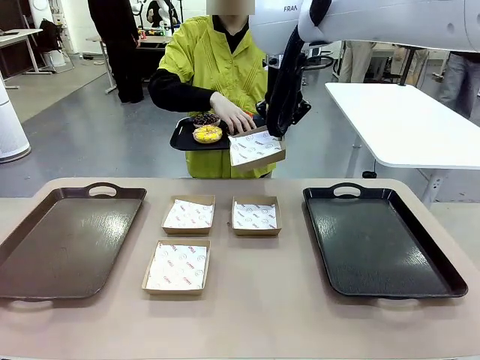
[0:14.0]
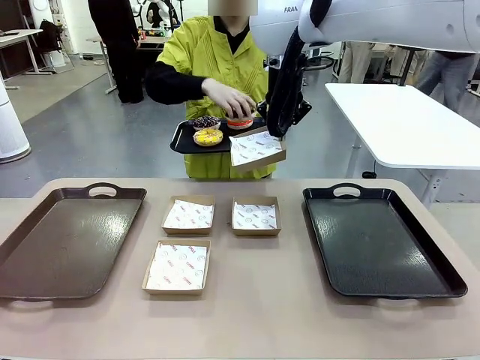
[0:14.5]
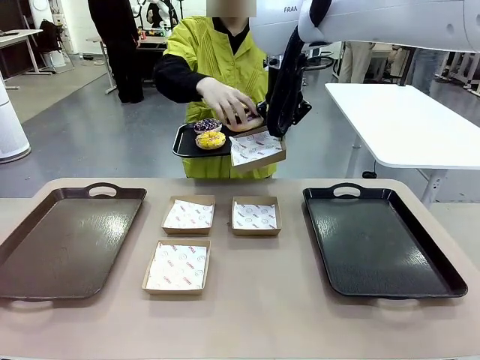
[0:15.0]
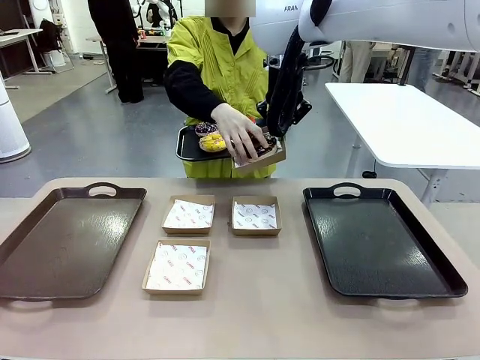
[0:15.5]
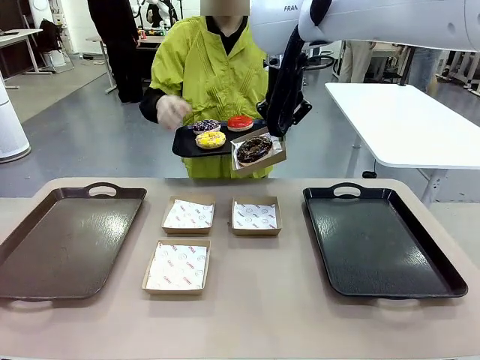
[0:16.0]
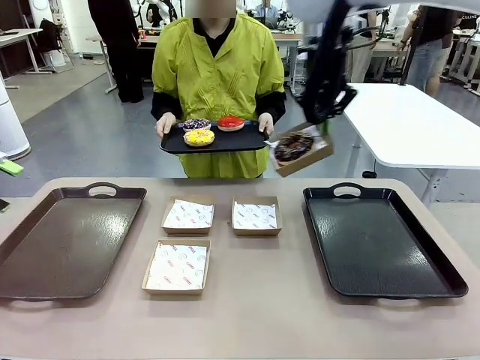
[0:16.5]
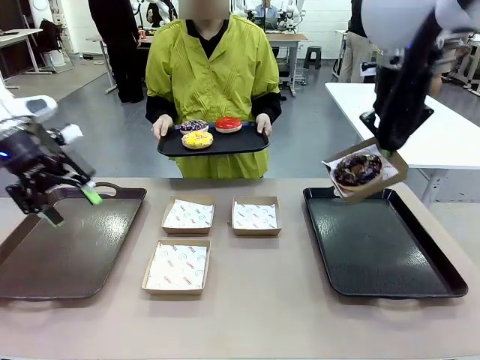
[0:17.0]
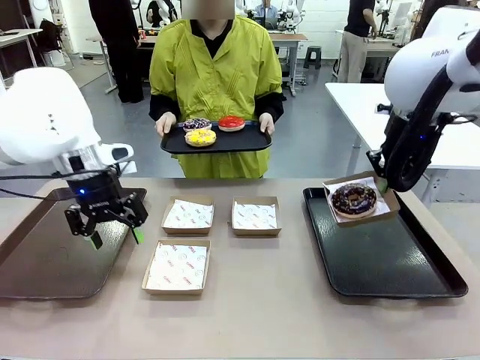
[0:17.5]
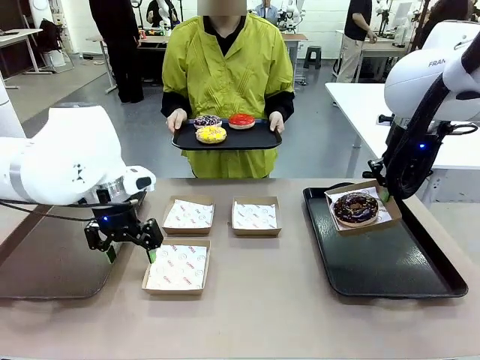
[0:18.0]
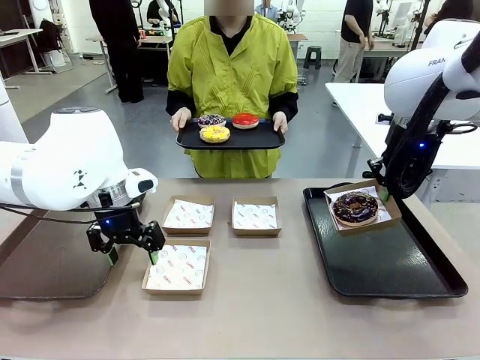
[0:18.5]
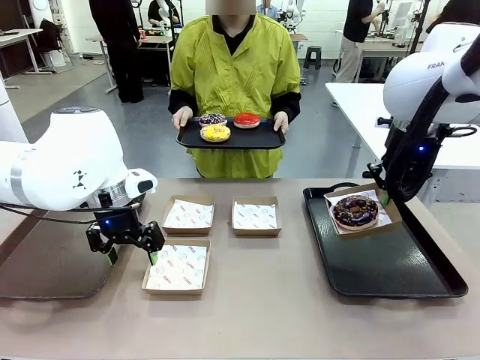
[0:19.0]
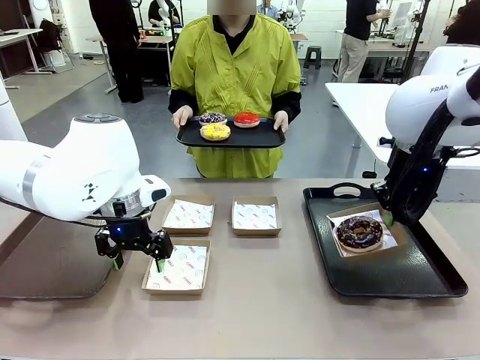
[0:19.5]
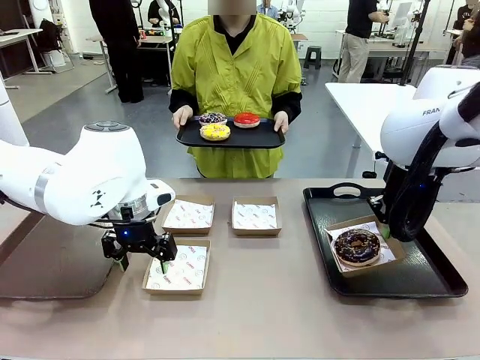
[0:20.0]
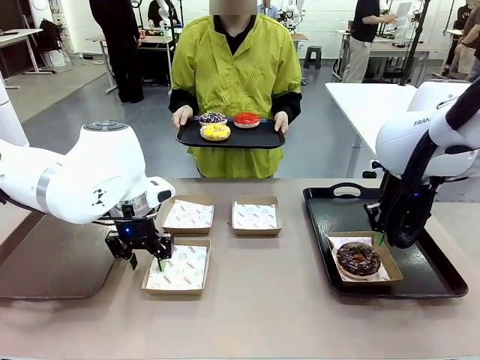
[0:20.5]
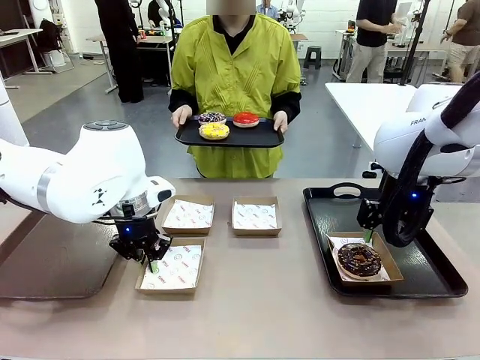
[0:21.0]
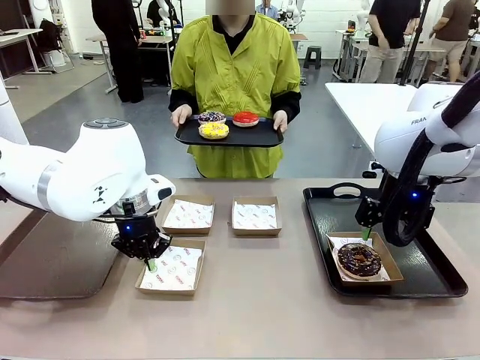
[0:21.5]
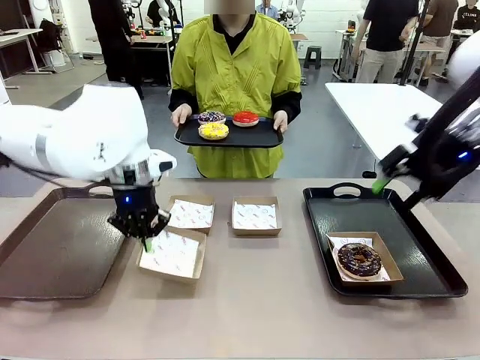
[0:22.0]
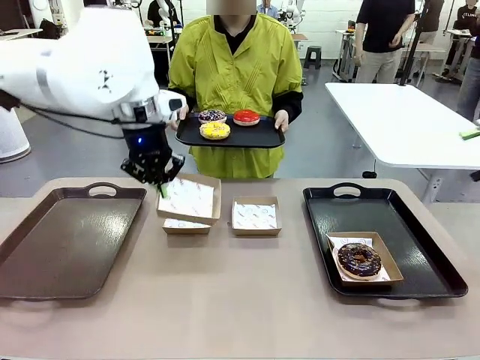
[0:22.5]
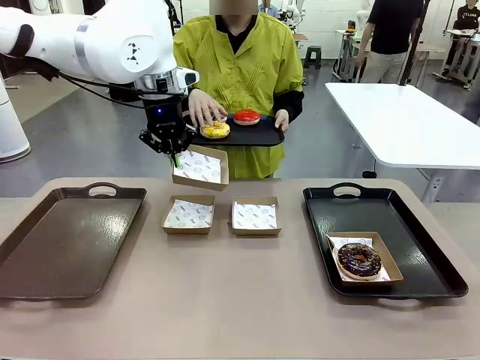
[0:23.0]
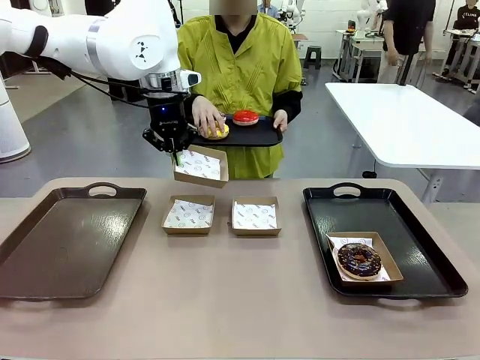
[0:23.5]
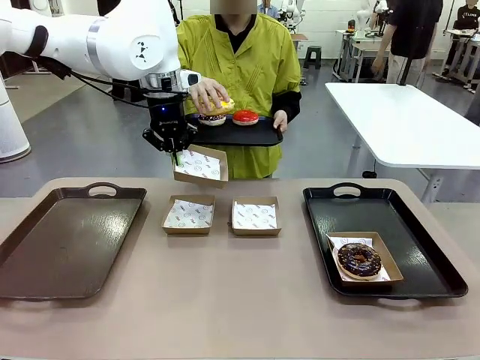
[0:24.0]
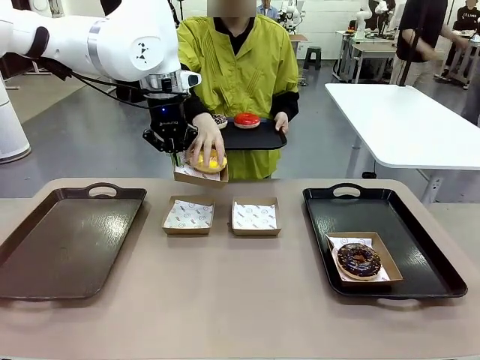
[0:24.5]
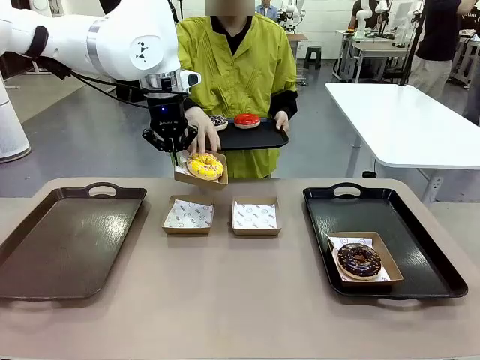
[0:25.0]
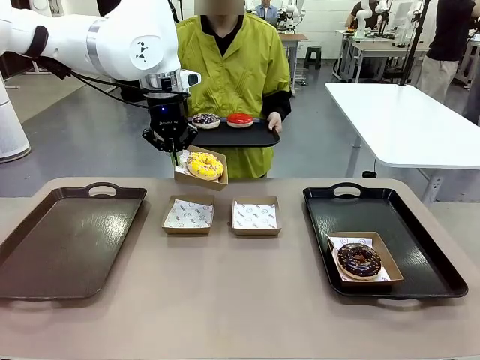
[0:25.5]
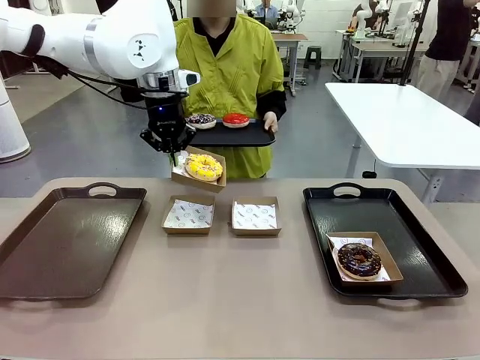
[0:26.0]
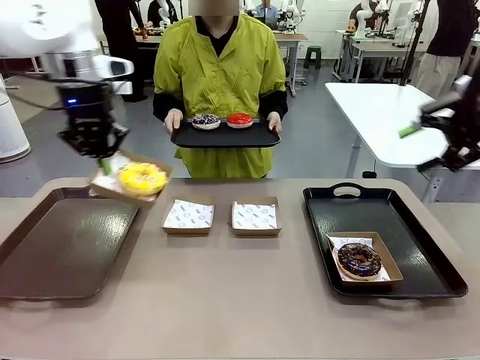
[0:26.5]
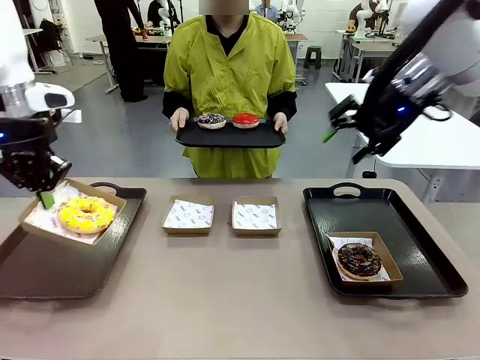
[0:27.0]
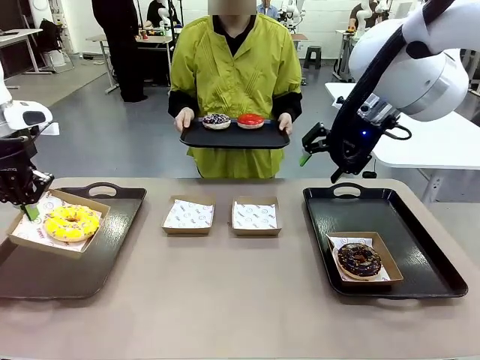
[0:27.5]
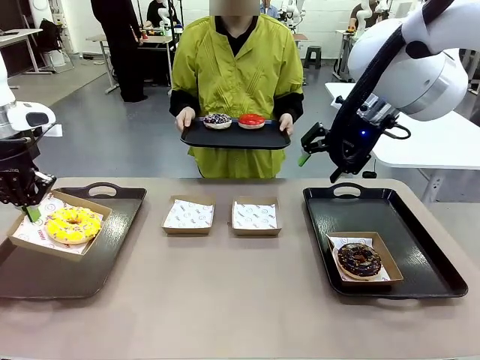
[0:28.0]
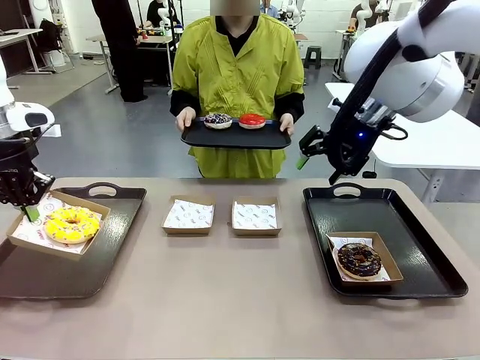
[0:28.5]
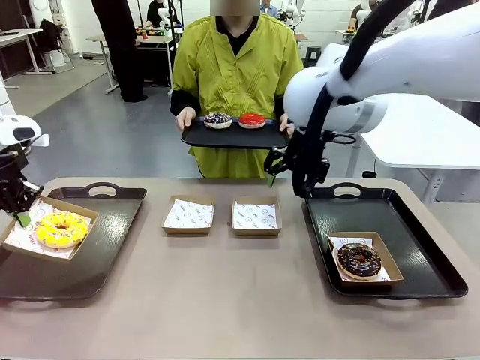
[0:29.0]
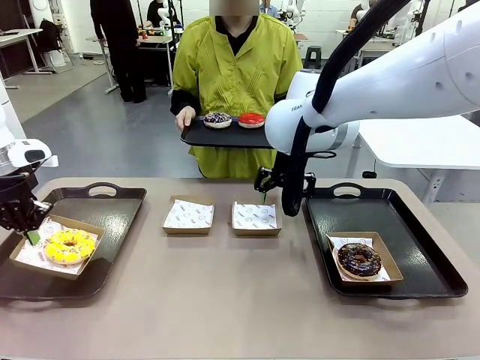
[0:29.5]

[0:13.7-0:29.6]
Task: Individually package the donuts and arrange them on the tray.
Robot: Place the picked Paper togo box on the Handle tray while simultaneously picking up another Paper togo box from the table with the other hand.
